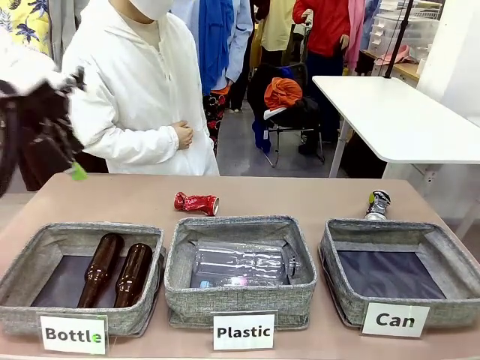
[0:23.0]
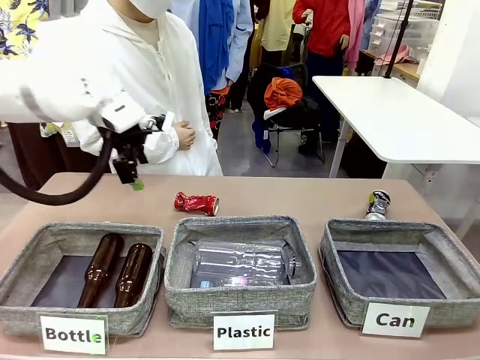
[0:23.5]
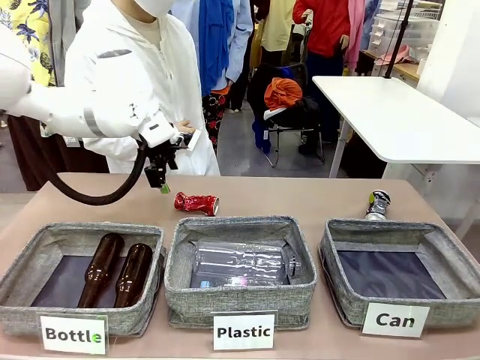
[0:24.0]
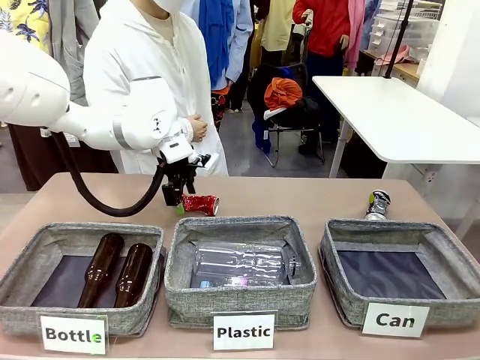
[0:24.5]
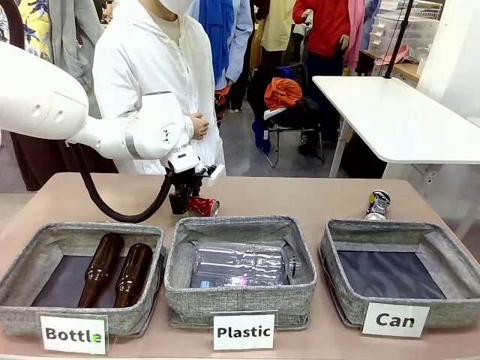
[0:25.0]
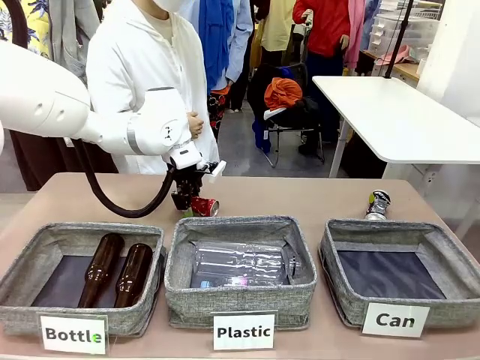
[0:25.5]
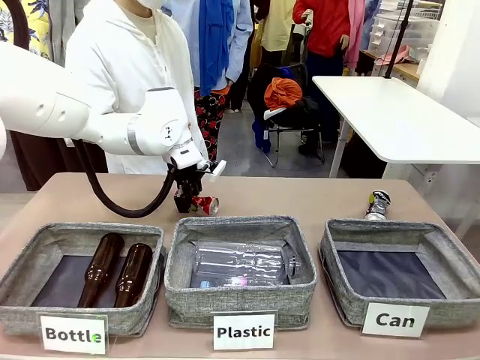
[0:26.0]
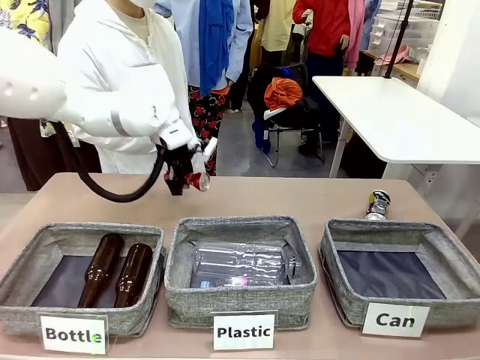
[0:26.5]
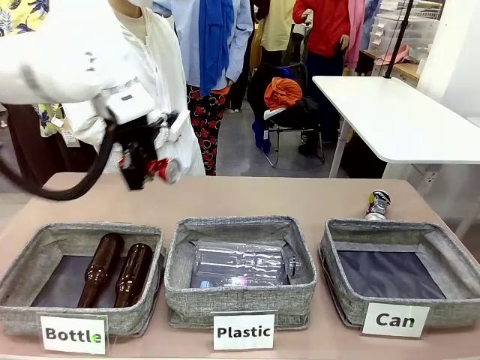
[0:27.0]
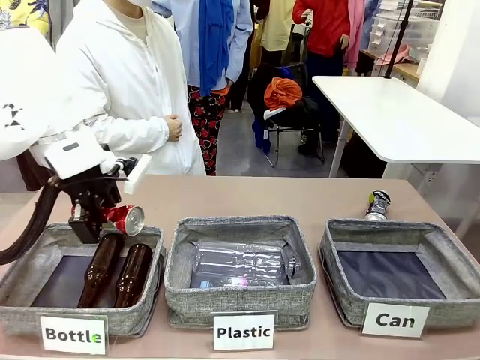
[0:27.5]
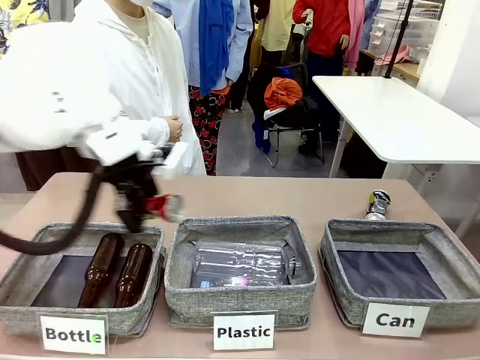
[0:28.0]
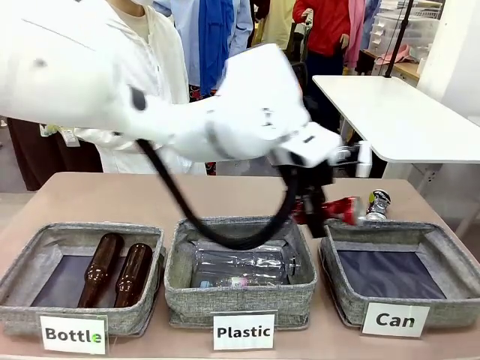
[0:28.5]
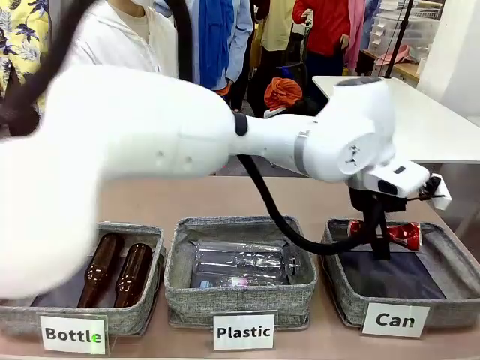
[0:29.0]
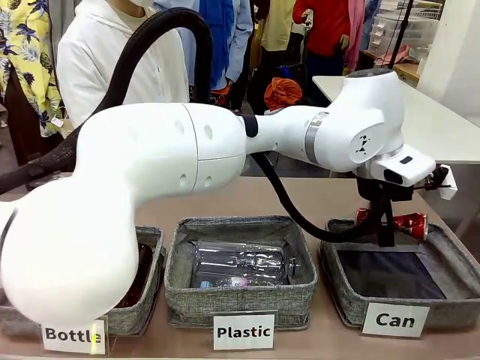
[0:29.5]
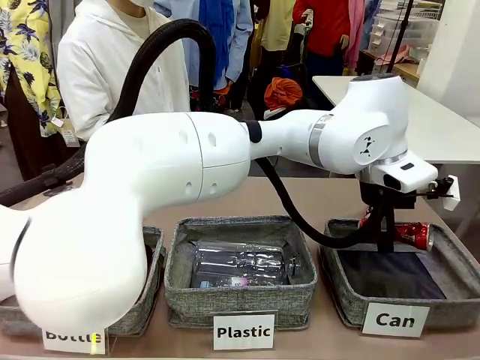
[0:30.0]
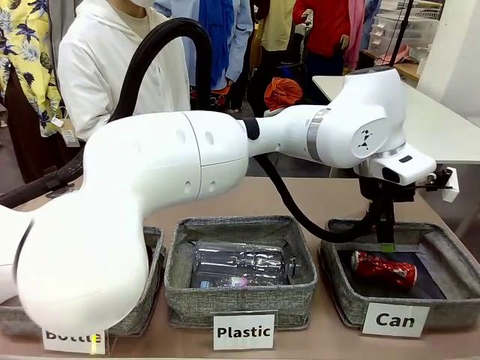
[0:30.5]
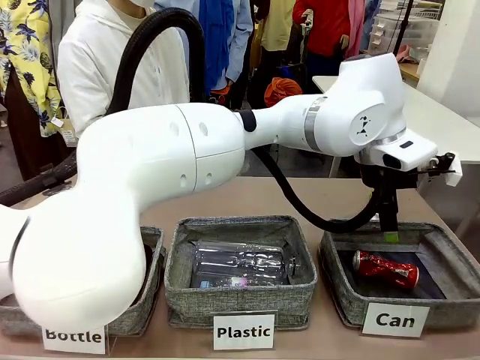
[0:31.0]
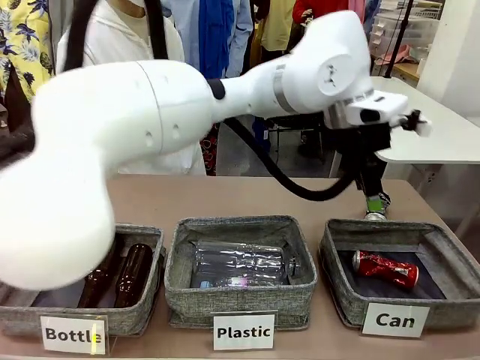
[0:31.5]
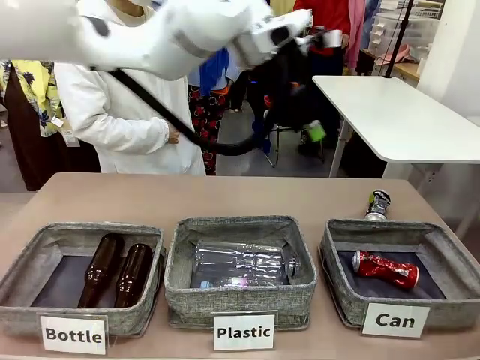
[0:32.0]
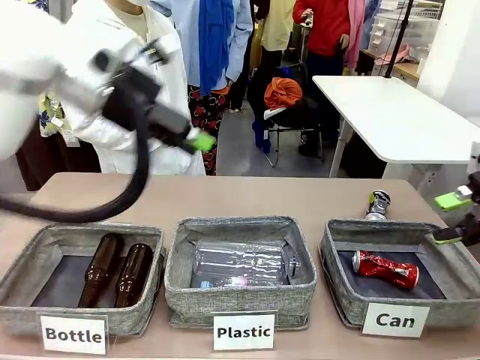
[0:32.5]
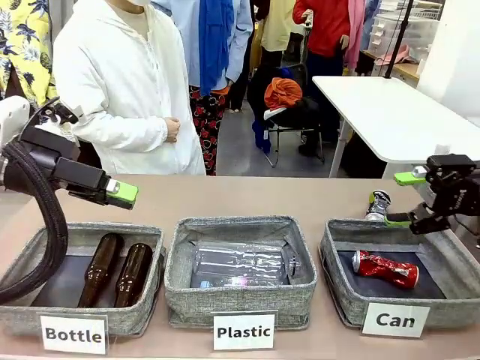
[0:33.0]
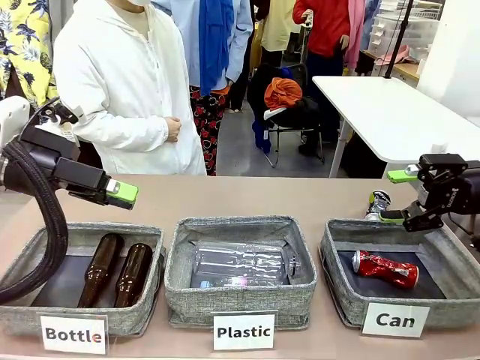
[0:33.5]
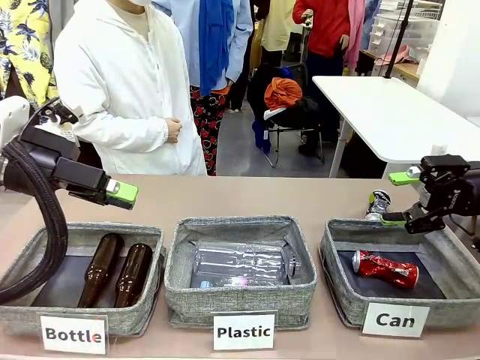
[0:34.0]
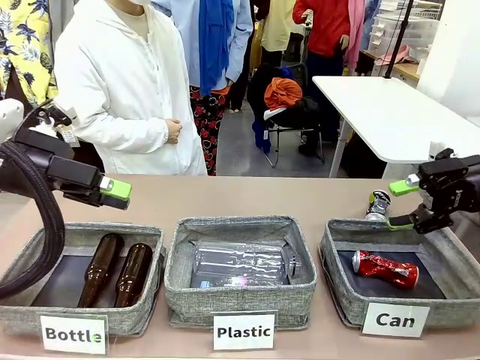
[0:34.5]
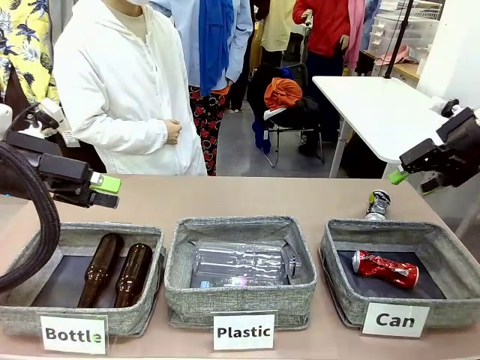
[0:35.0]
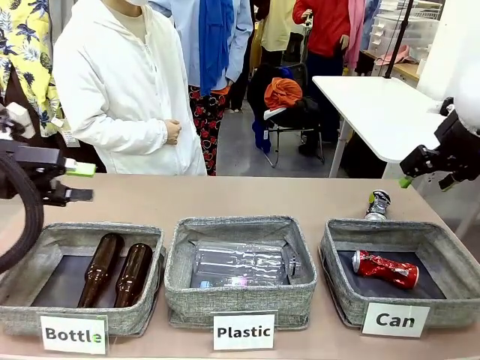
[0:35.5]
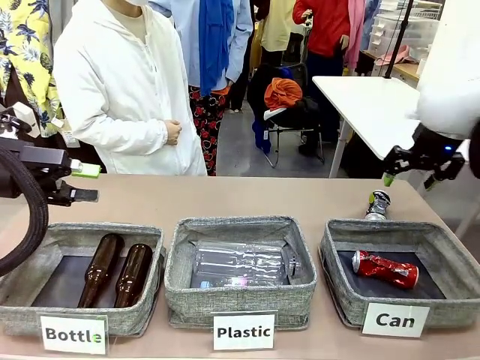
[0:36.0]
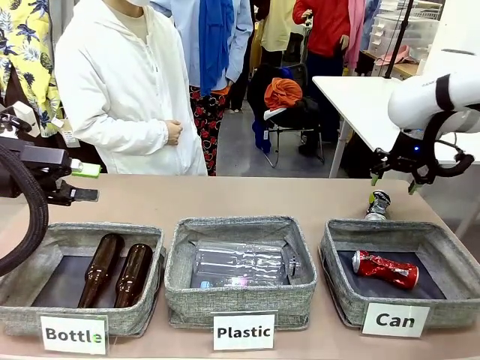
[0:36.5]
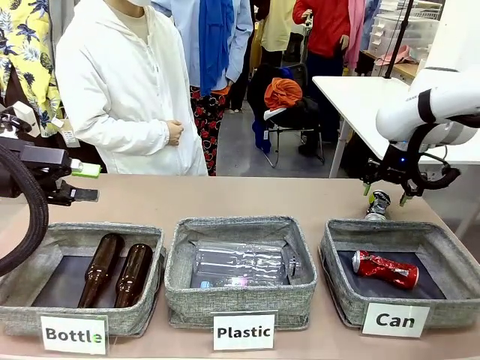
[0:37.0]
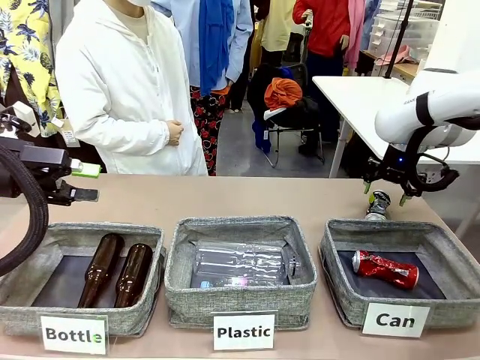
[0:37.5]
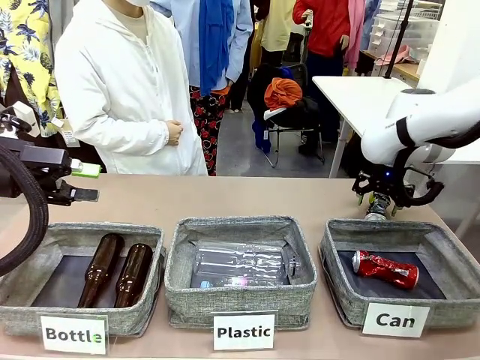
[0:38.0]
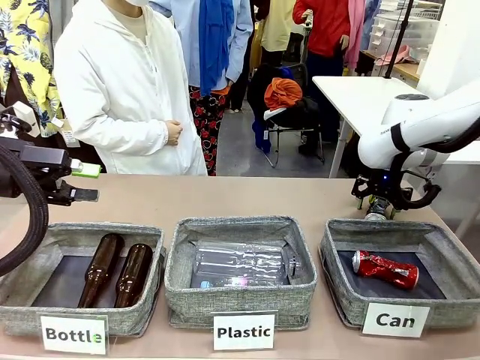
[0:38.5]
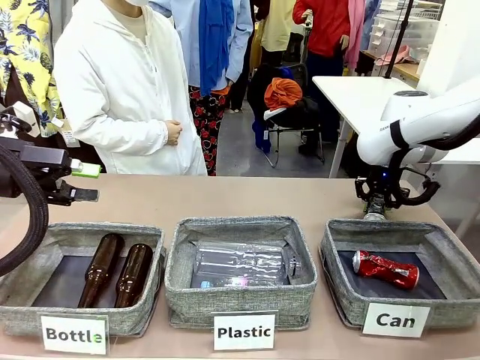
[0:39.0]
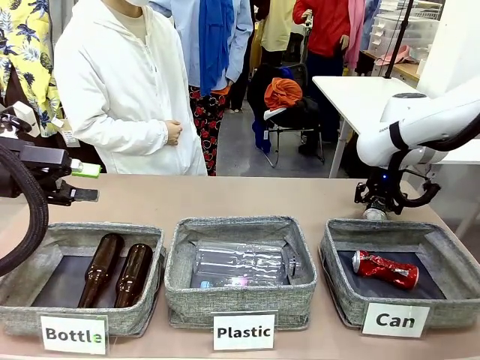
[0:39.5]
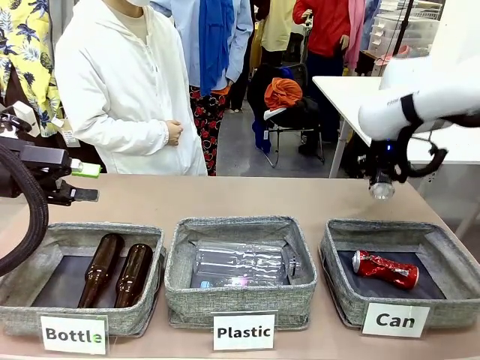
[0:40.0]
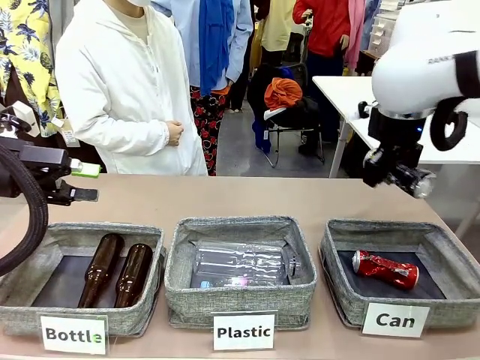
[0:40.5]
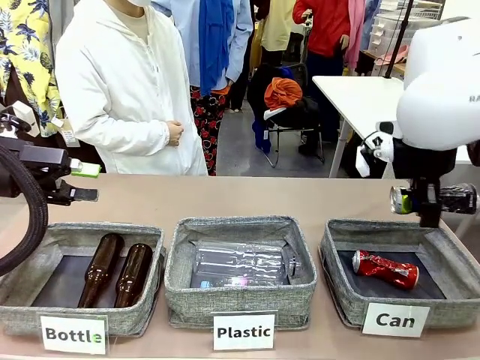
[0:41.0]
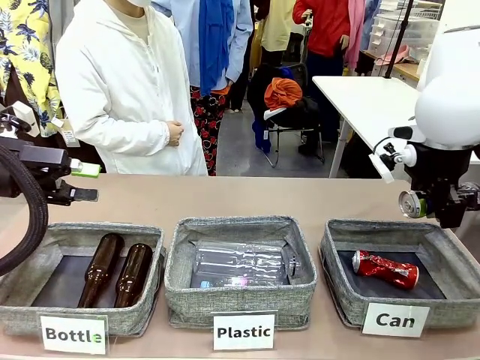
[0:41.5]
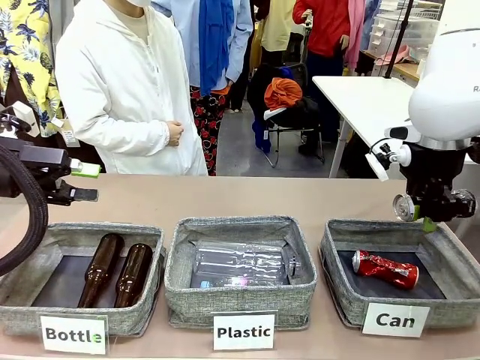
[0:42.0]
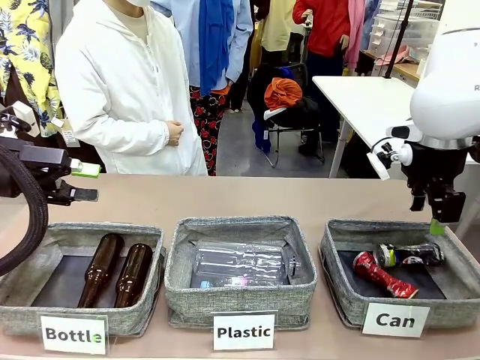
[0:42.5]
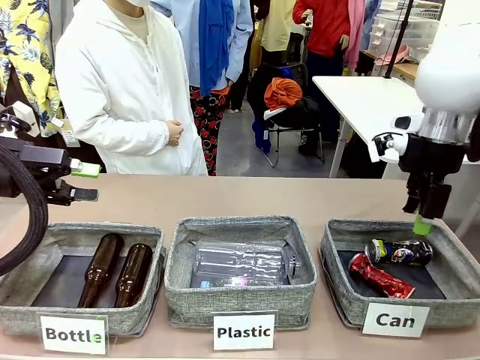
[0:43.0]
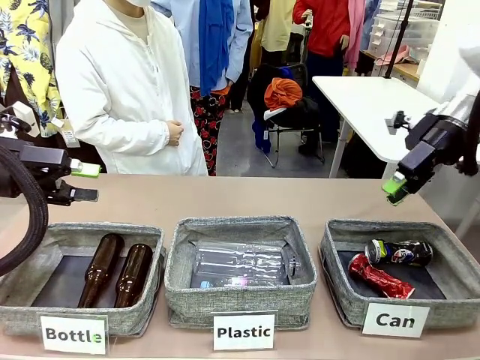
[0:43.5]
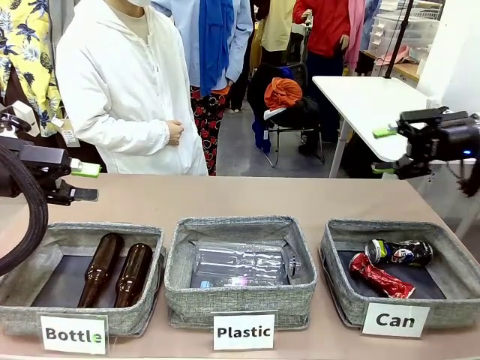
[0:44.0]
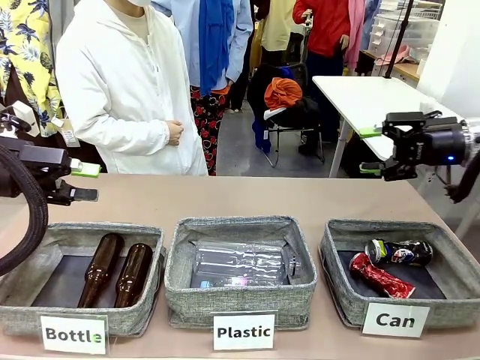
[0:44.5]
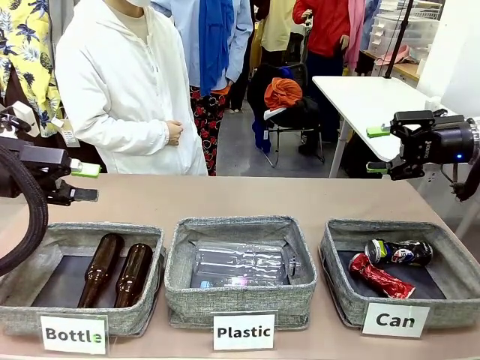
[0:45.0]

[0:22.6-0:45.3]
Task: Sort the can waste into the basket.
Robot: Pick up the can waste from the table and place it in the right Fabric basket.
Person: The human picks up one piece of trash that is not a can and places the trash into the appropriate organizing basket.

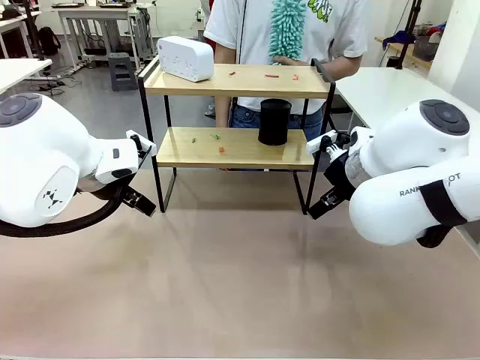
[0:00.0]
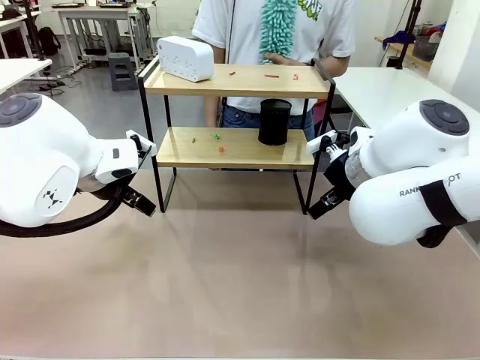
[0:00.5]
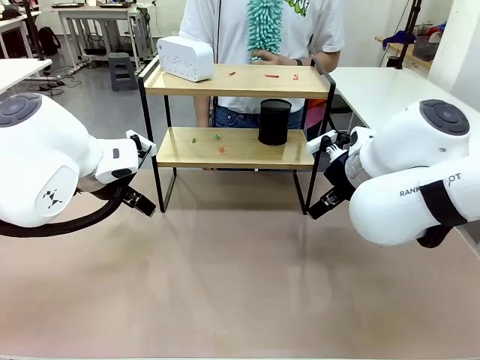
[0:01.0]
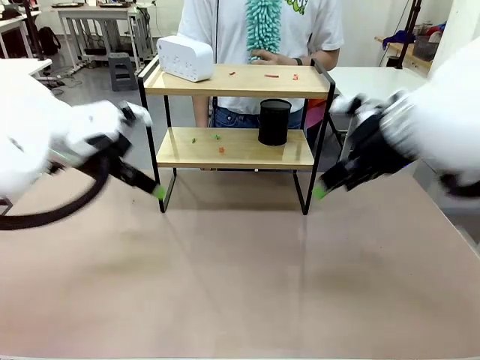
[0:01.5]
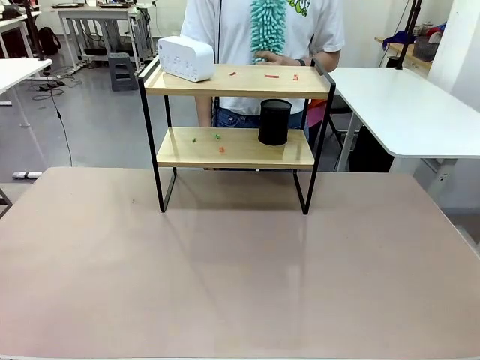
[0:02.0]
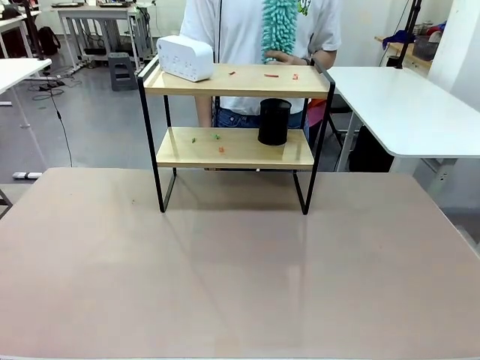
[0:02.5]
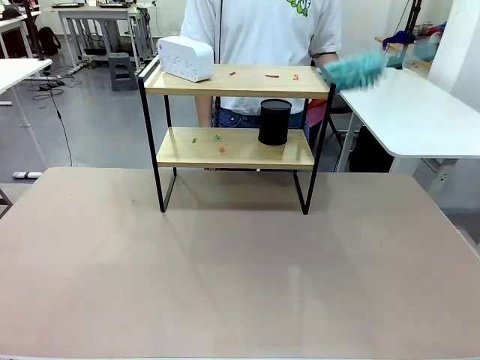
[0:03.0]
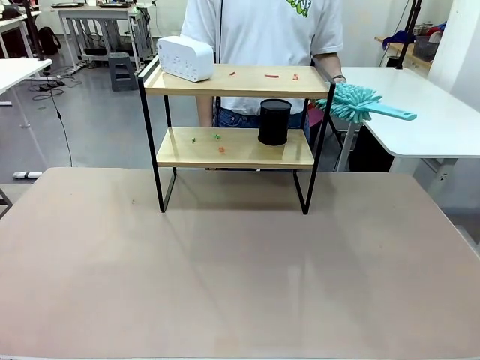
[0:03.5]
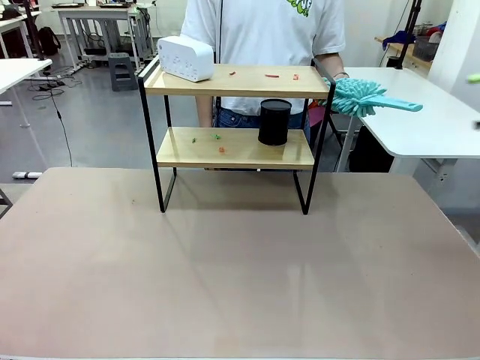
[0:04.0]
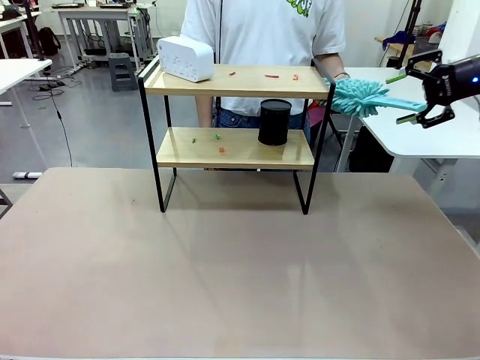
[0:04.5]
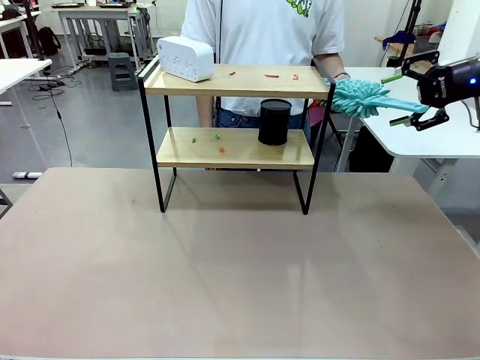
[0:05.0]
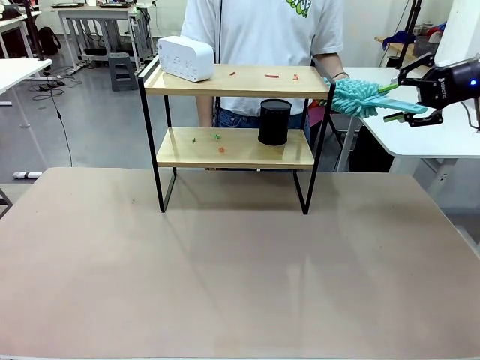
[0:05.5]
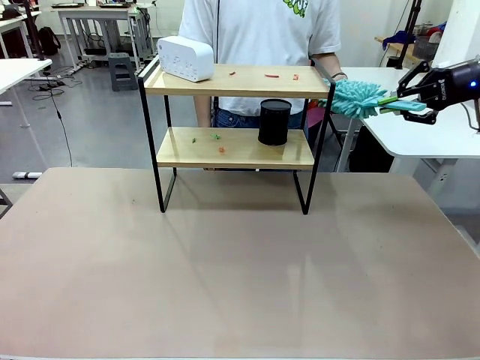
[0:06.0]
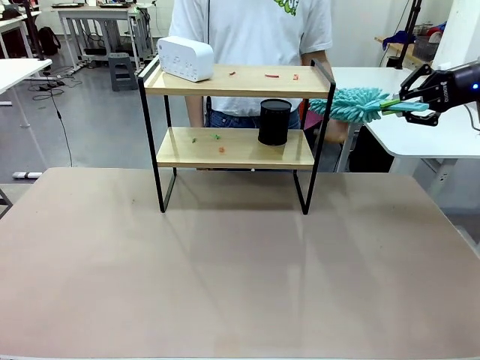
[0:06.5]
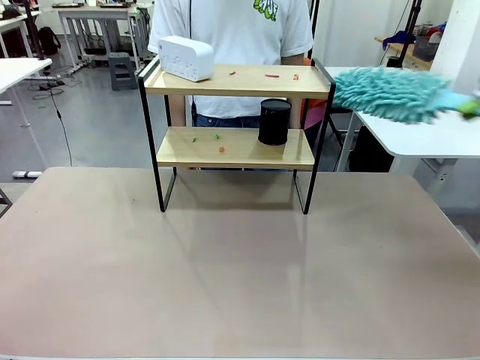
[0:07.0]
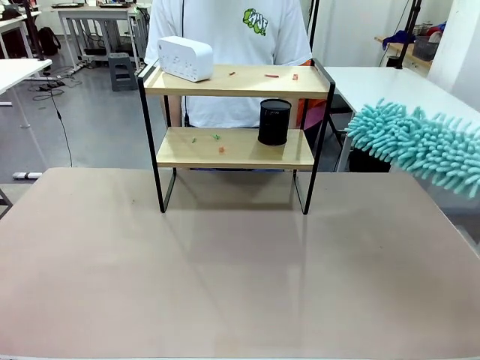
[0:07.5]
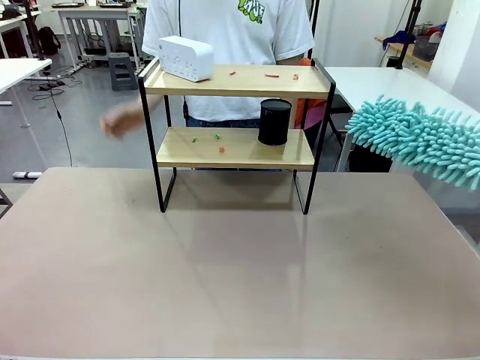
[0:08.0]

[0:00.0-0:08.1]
Task: Clean the shelf.
Robot: Pick up the Duster from the human.
Person: Hand the Duster to the robot.
